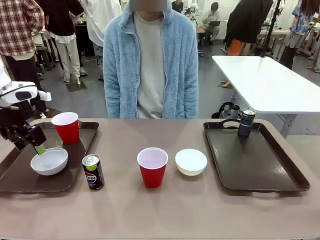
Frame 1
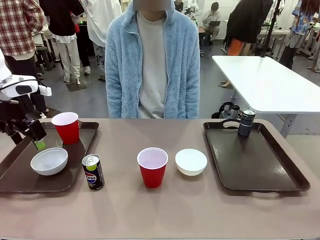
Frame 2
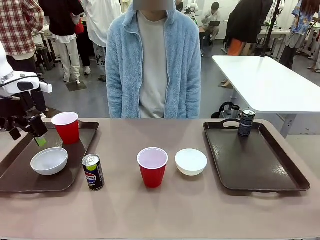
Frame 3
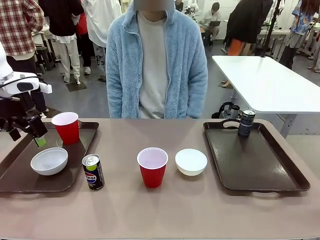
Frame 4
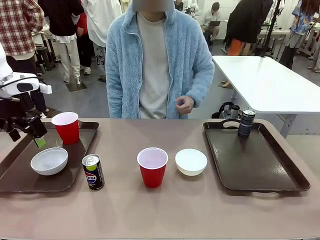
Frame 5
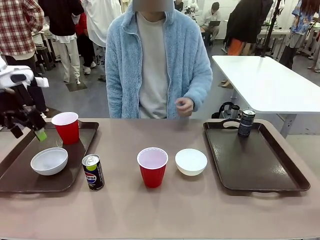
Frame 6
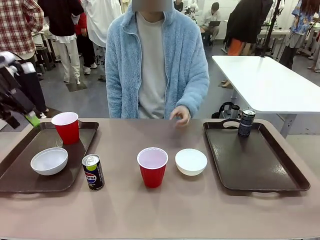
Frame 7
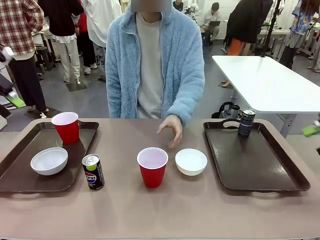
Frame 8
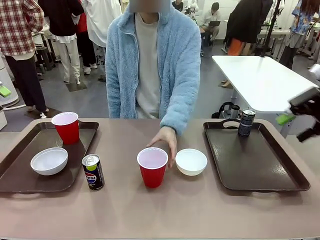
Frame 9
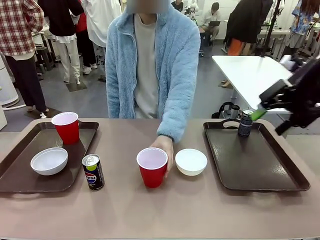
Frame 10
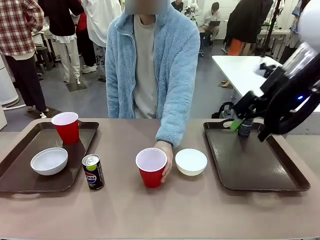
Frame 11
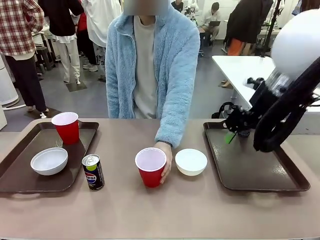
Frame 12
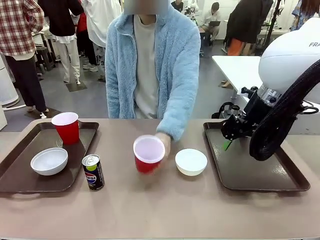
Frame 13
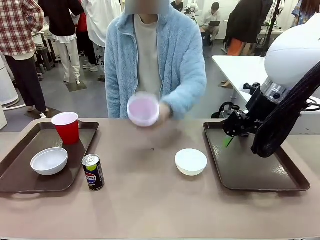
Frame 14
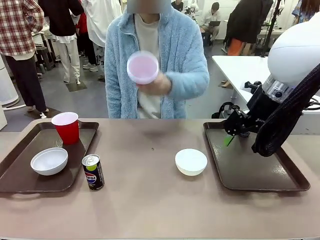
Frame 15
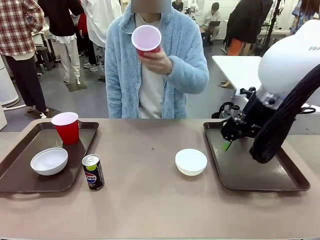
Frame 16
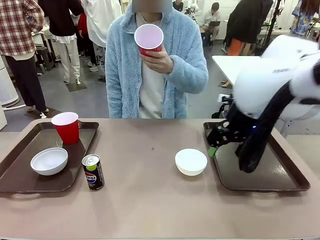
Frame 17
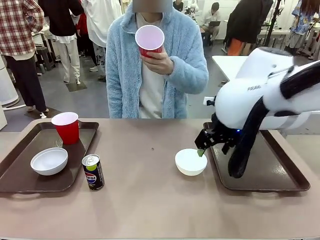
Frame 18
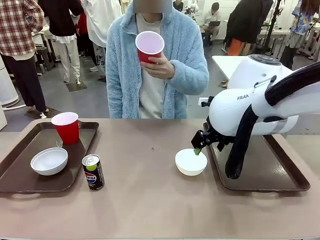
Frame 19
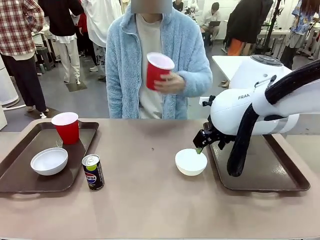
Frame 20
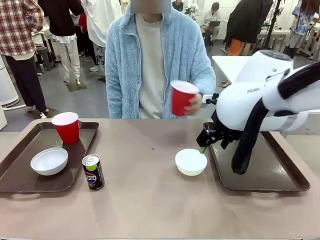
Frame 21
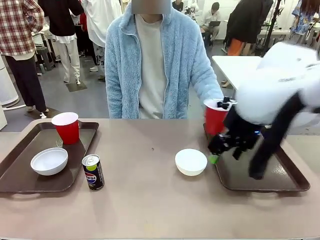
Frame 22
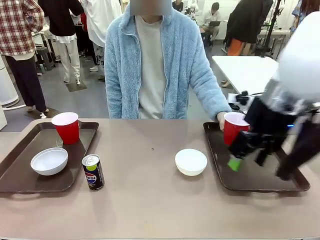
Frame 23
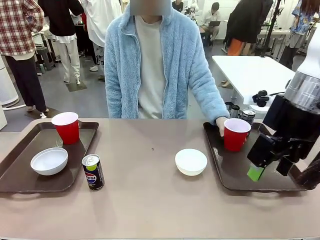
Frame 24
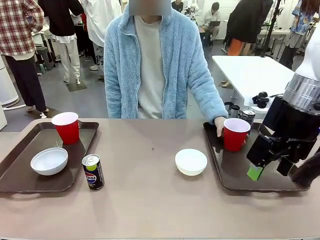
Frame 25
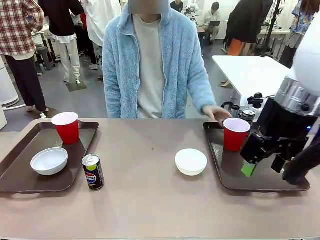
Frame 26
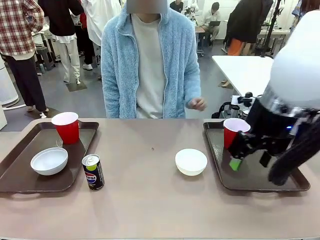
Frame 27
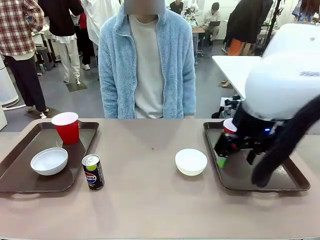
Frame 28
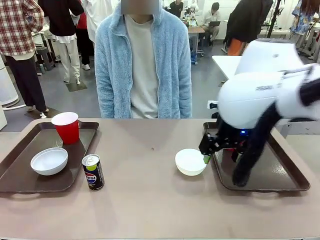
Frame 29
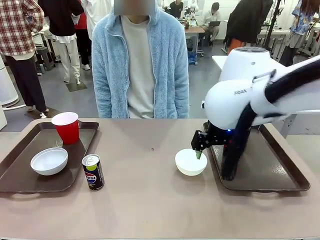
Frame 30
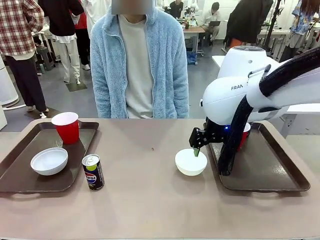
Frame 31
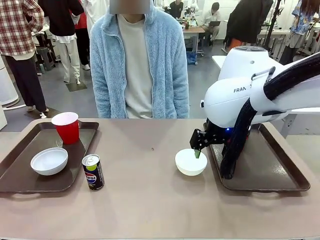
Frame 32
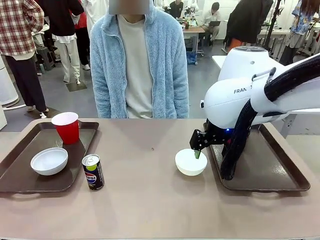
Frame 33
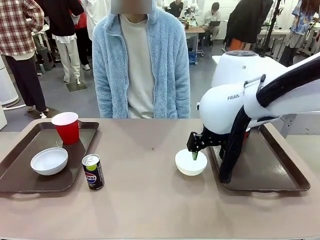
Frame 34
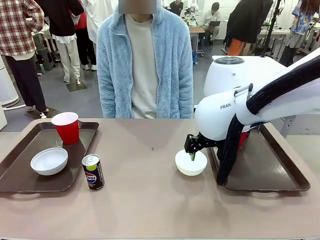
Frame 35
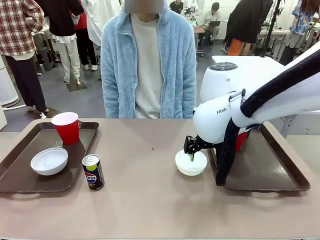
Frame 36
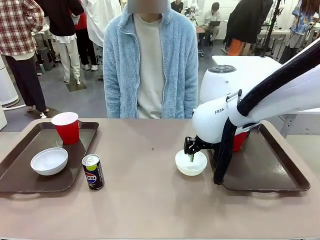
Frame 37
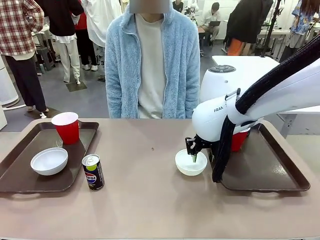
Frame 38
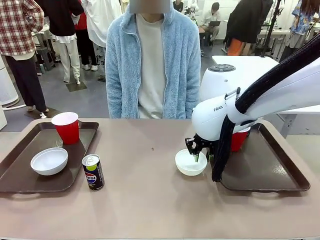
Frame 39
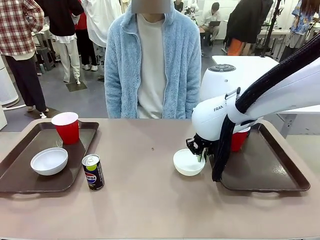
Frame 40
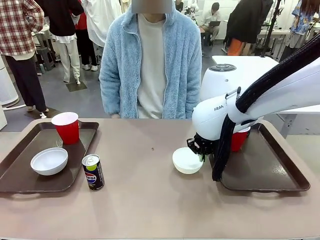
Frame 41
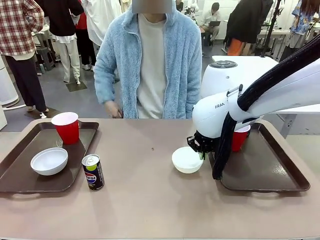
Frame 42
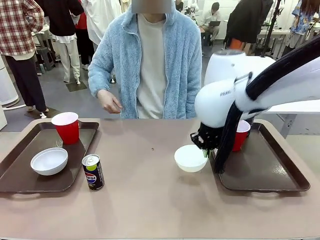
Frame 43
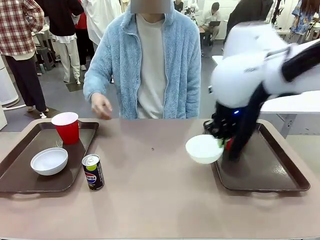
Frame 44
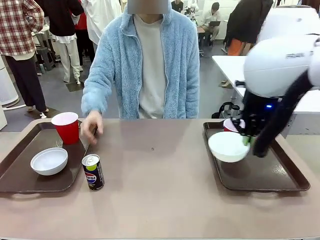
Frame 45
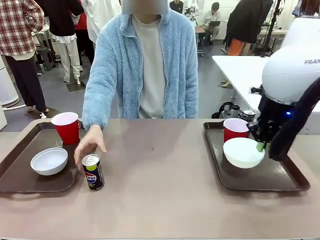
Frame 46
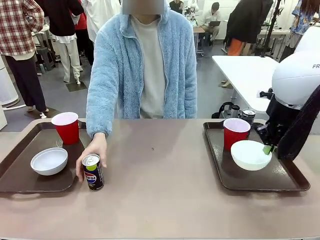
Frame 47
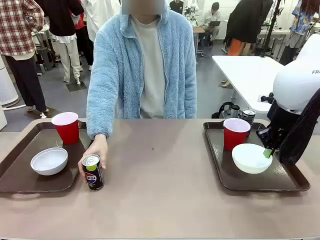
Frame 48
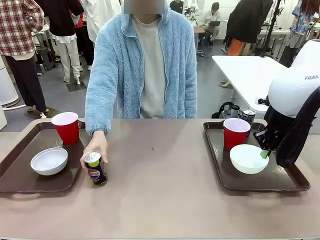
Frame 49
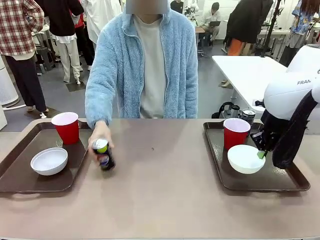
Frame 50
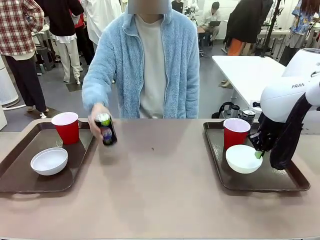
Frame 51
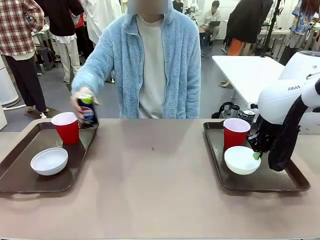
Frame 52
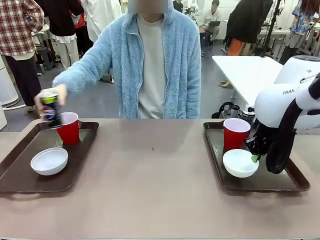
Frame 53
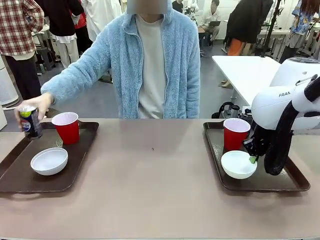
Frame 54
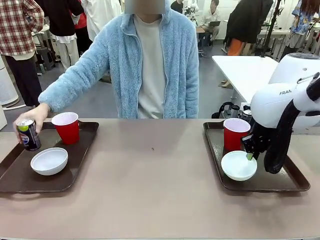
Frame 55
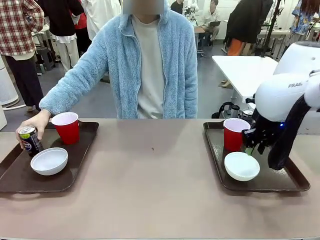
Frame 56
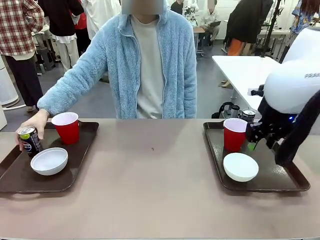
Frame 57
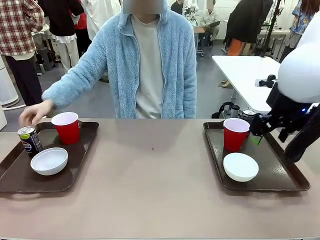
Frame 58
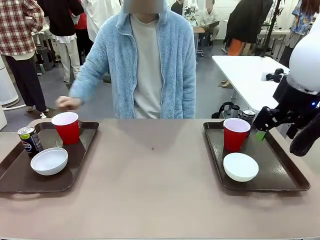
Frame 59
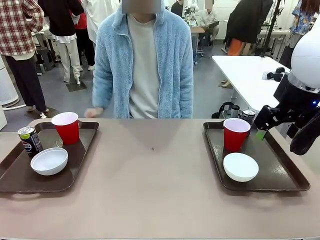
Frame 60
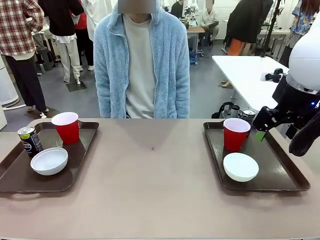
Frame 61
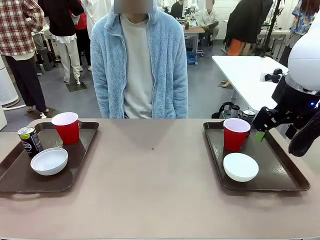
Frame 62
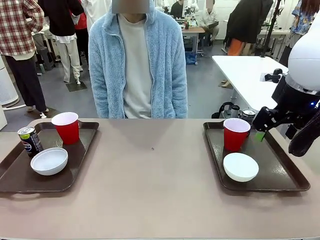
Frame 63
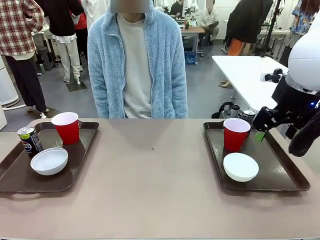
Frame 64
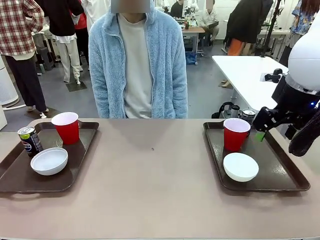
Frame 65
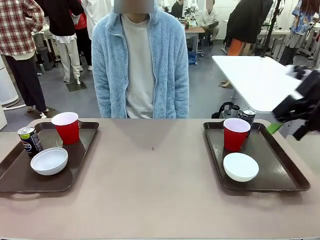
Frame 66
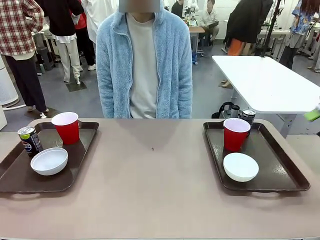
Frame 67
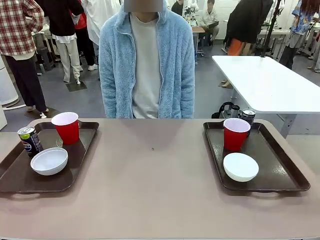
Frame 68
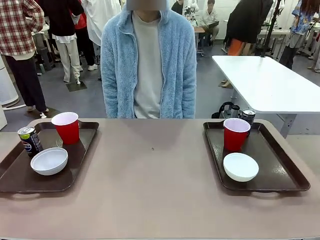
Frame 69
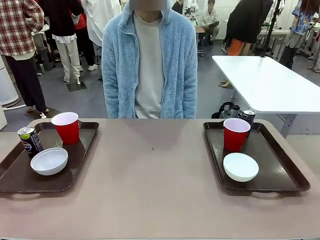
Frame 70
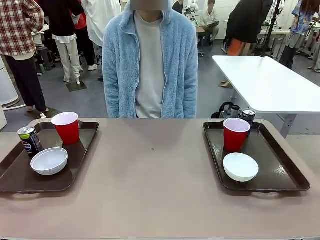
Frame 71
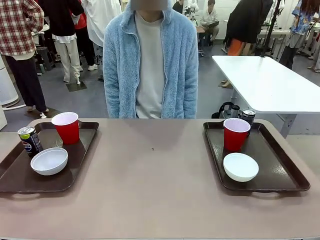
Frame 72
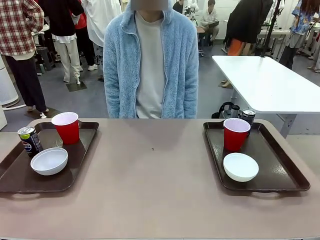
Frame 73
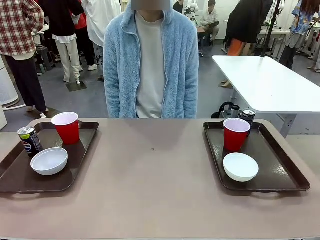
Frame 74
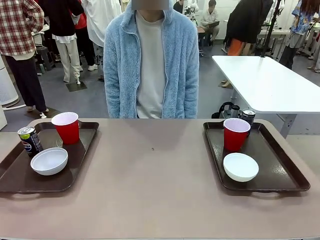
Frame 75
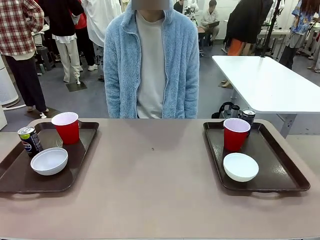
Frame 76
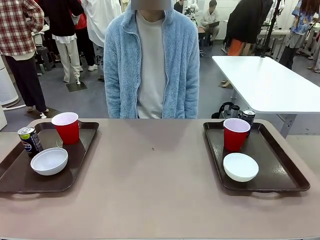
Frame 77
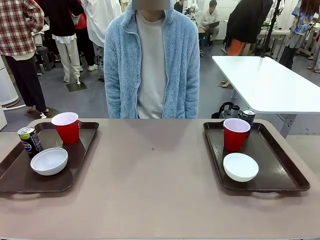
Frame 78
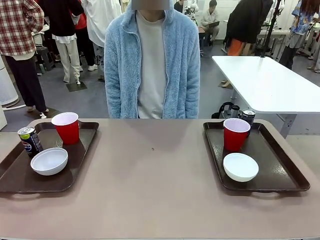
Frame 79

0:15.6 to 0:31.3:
Task: Prepare tableware on both trays.
Robot: Pick up a Picnic Bowl from the table and place it on a Handle tray.
Person: Pick up a can or cup and place it on the tray without a can or cup.
